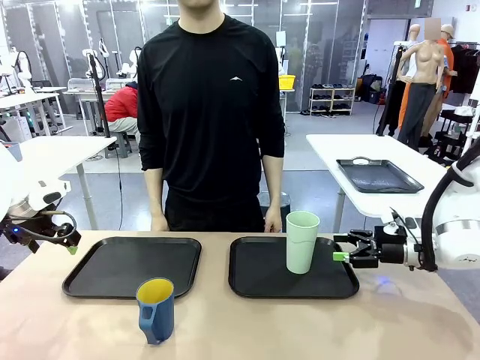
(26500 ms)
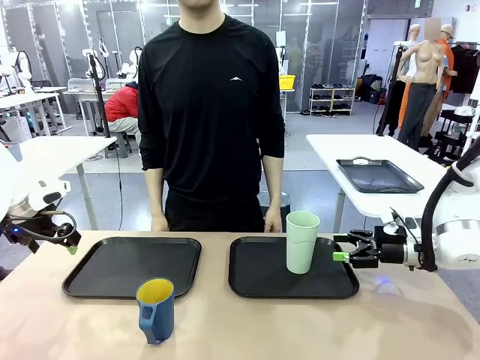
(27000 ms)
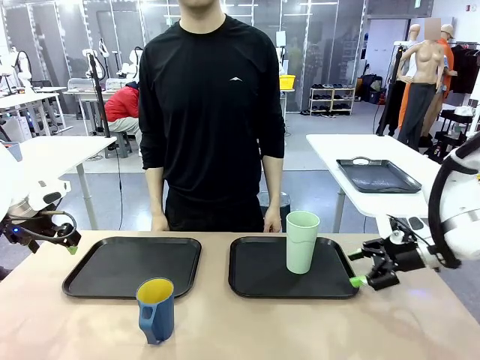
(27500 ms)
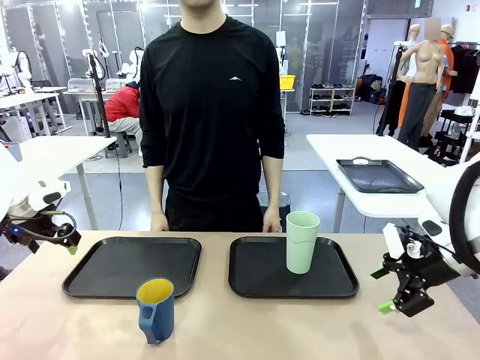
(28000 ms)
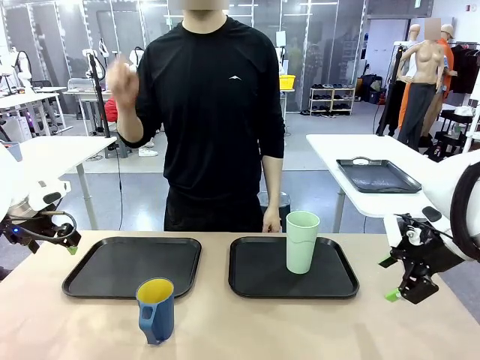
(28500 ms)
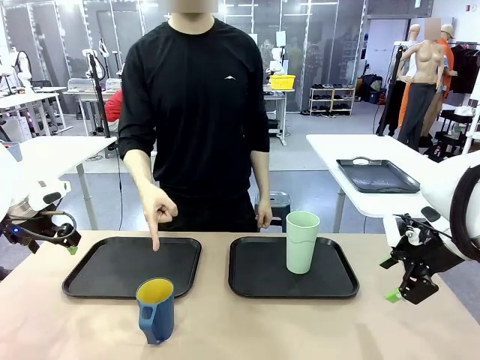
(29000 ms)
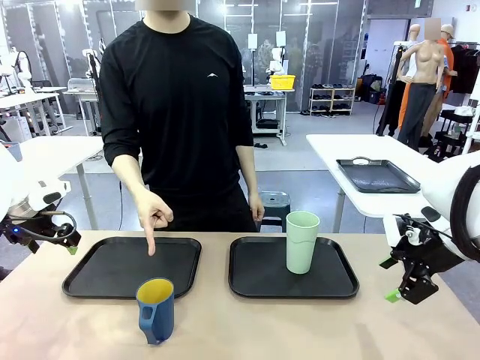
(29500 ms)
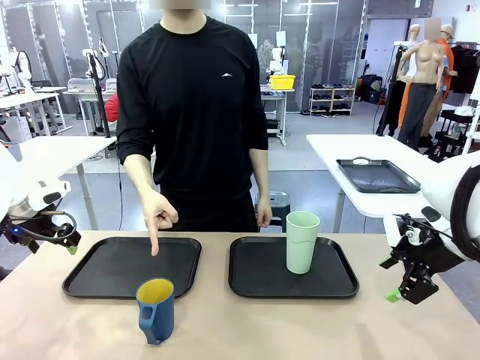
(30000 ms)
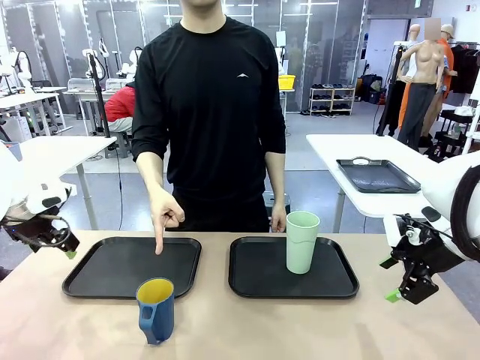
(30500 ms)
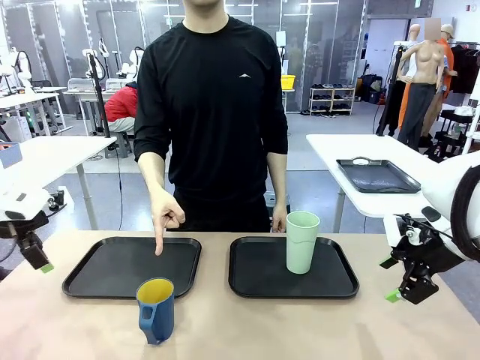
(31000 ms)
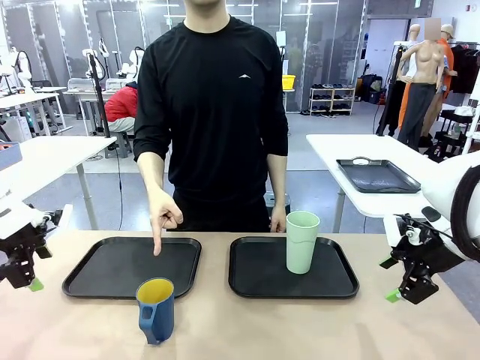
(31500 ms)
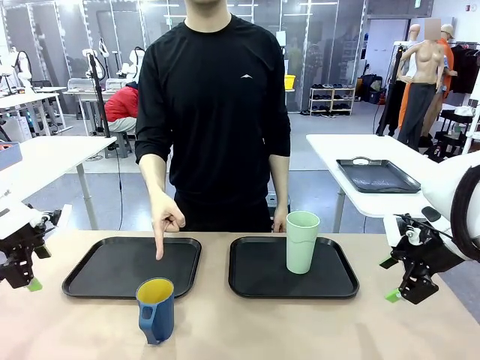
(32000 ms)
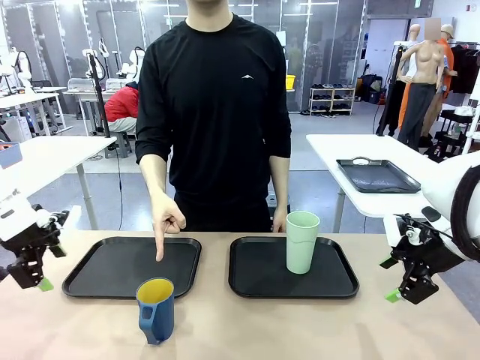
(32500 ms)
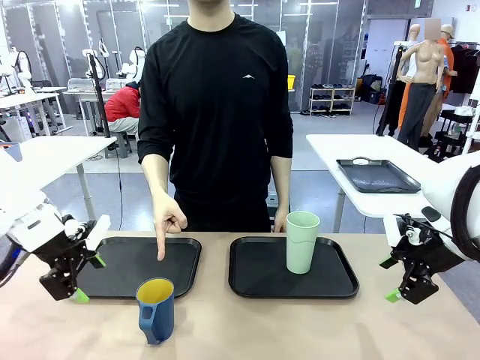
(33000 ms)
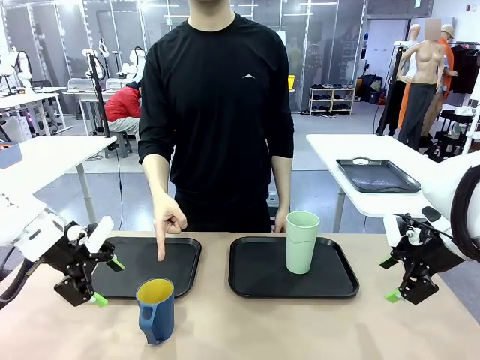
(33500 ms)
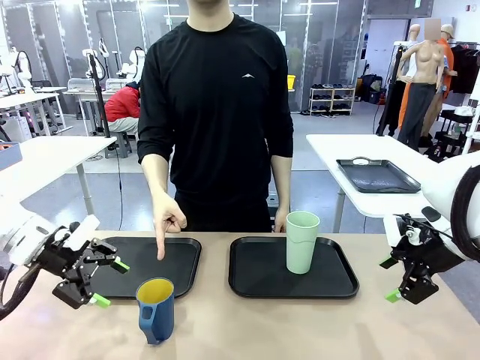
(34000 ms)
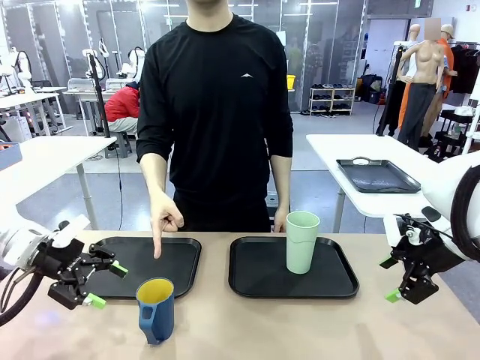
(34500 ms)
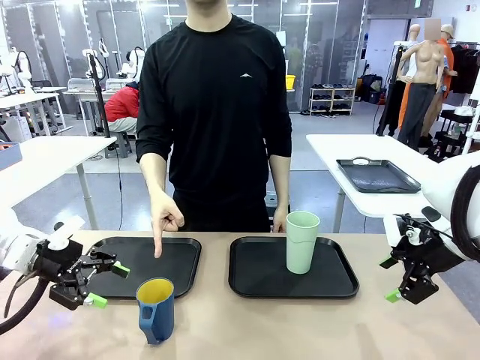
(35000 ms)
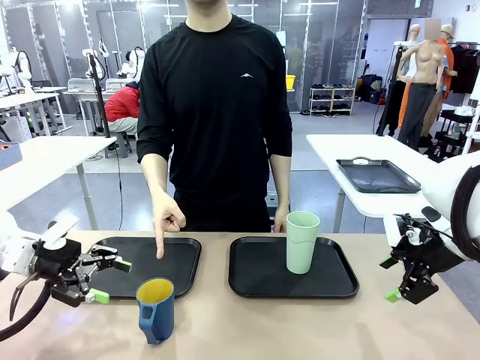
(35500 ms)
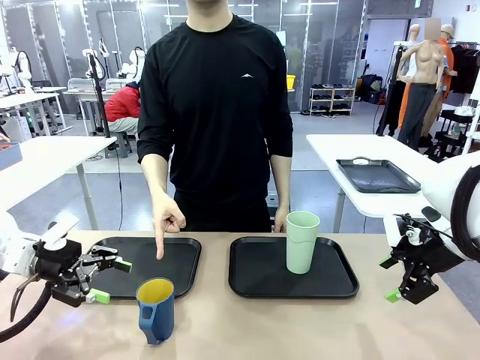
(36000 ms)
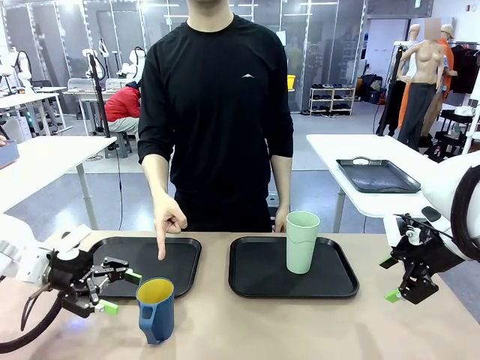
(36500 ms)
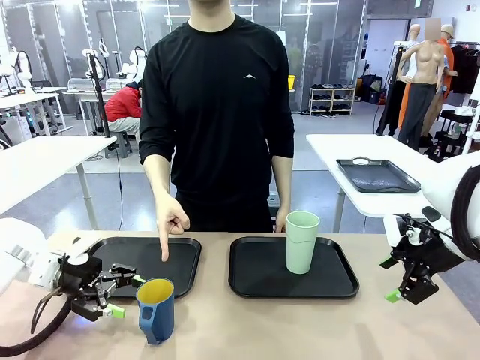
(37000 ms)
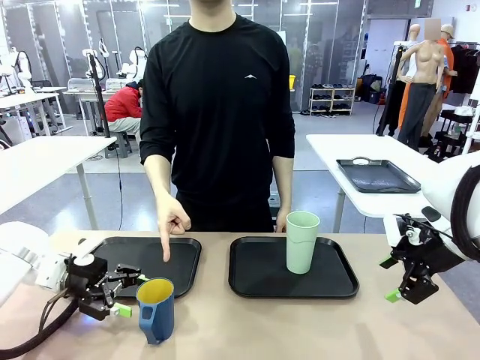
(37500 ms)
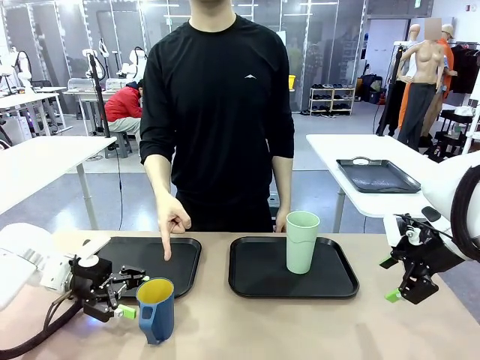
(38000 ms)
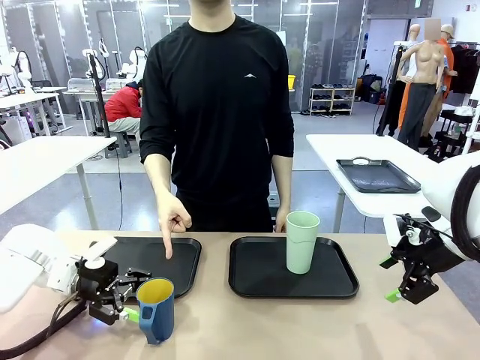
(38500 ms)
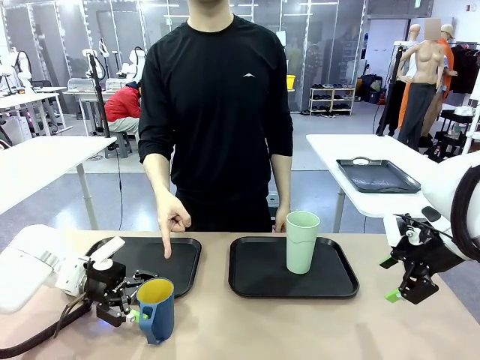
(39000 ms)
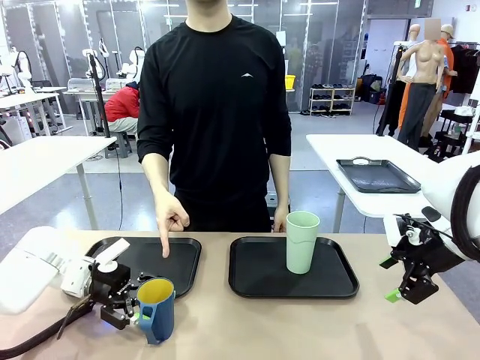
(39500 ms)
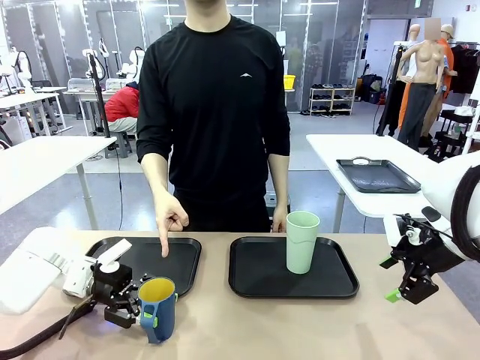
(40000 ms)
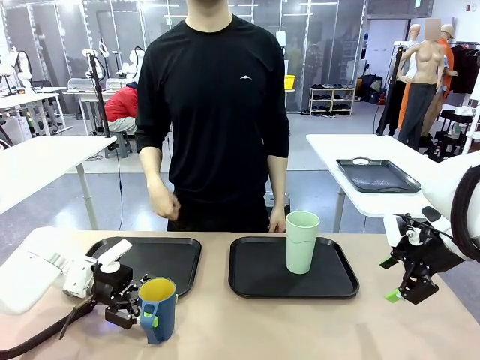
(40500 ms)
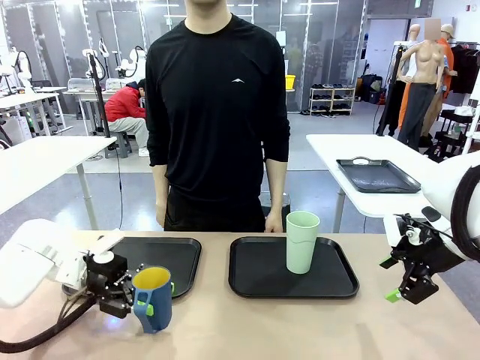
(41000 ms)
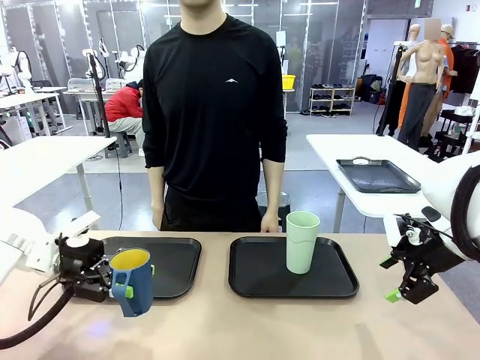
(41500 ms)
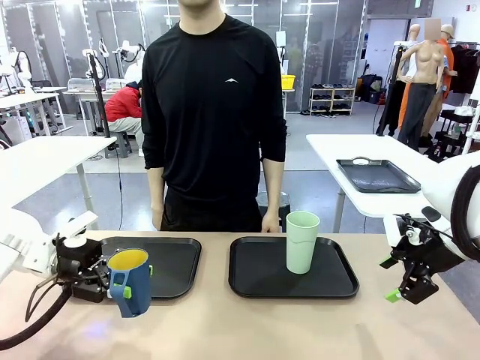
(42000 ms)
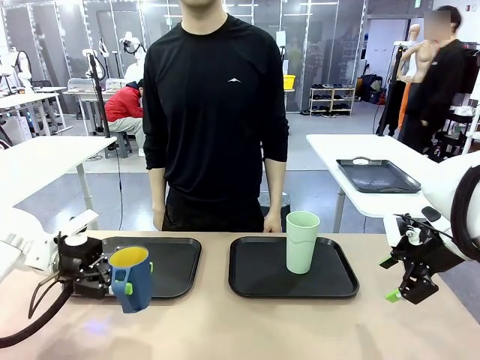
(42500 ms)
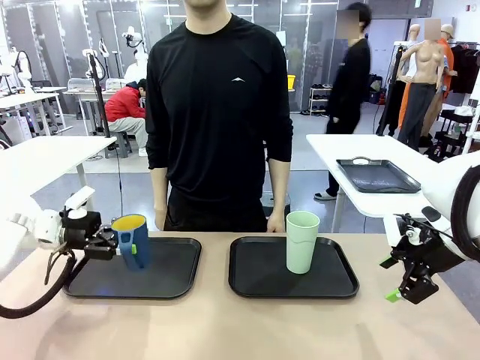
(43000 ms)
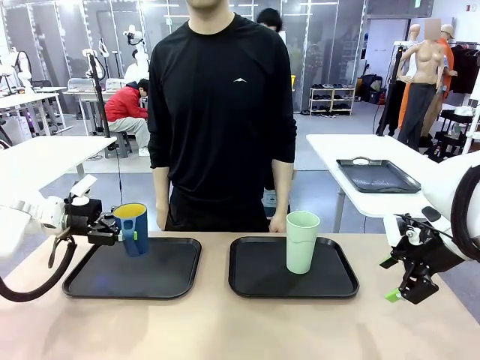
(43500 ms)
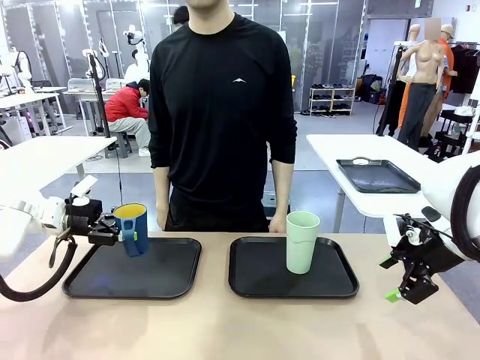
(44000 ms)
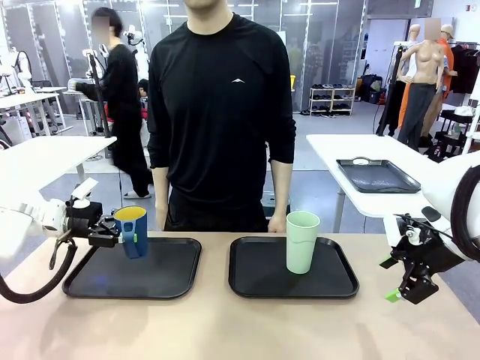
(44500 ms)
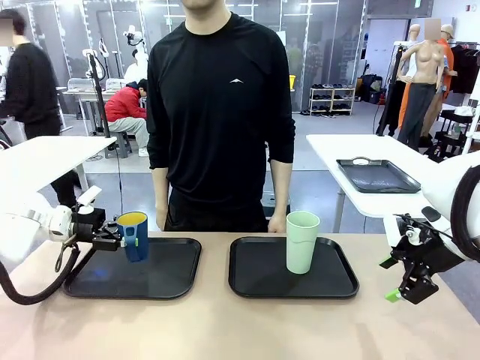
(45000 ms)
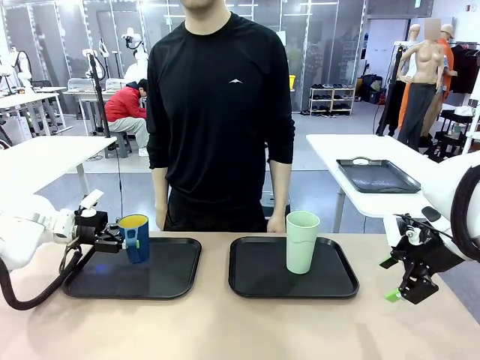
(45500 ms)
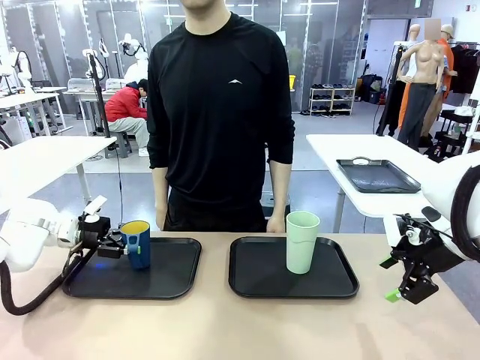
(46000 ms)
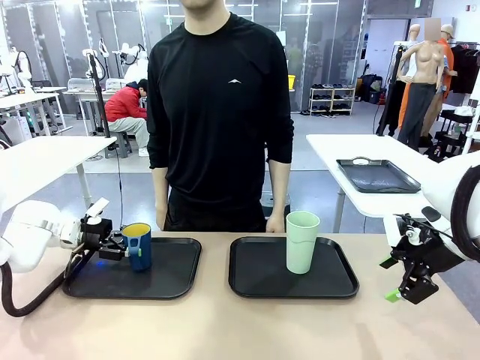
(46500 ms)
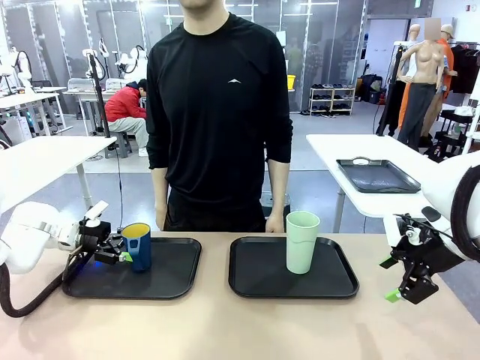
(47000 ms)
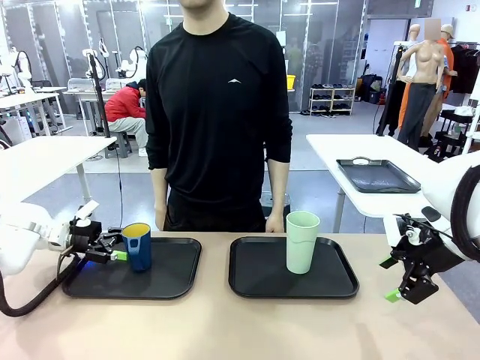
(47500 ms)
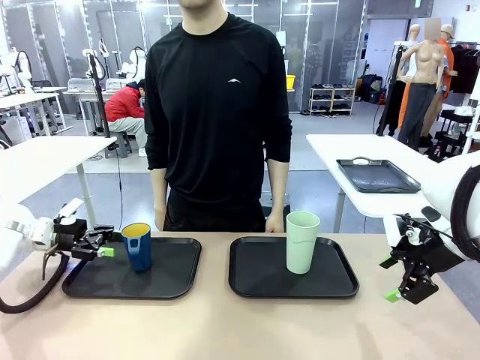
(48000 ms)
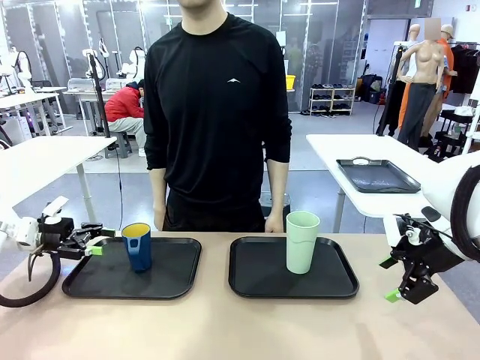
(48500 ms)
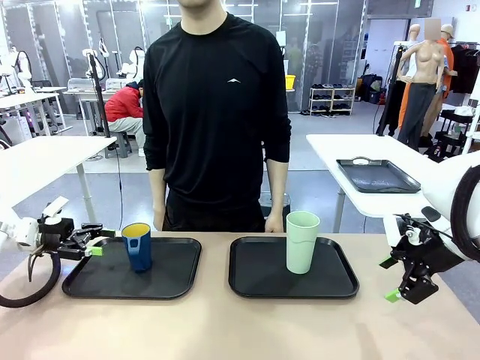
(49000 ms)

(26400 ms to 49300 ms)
Task: Sort and store the cups by type.
Robot: Pick up the Handle plastic cup and place it into the empty Flat Tray.
Person: Points to the cup with a handle.

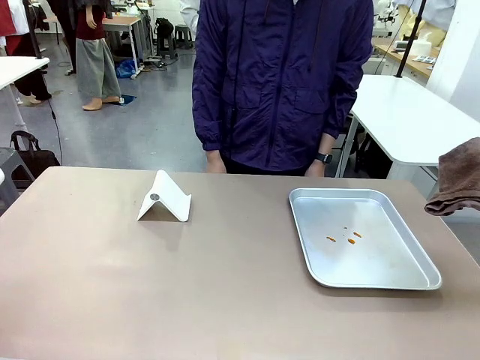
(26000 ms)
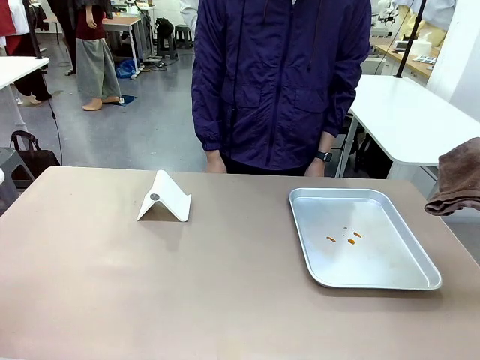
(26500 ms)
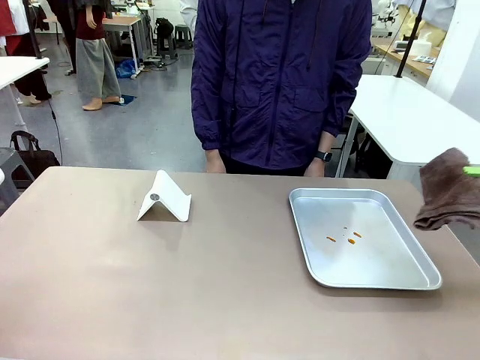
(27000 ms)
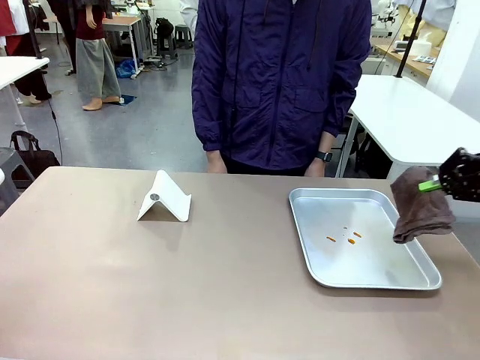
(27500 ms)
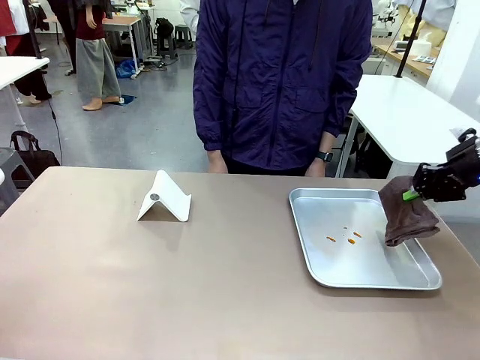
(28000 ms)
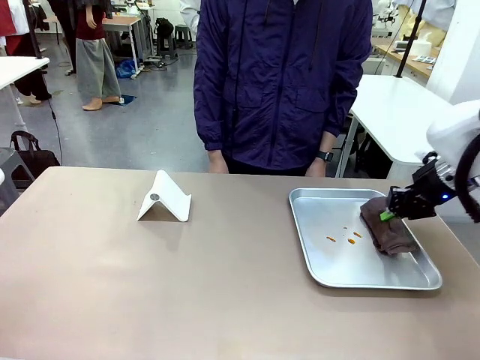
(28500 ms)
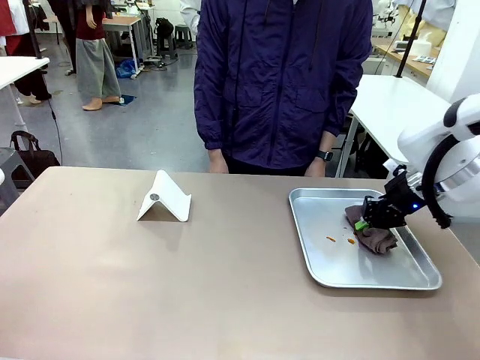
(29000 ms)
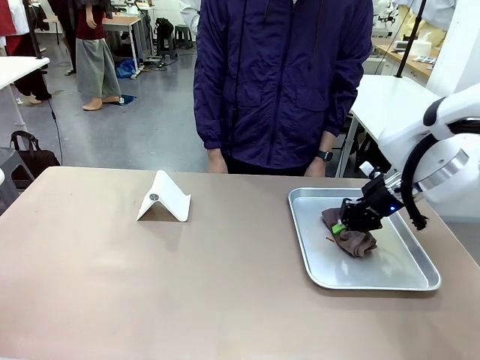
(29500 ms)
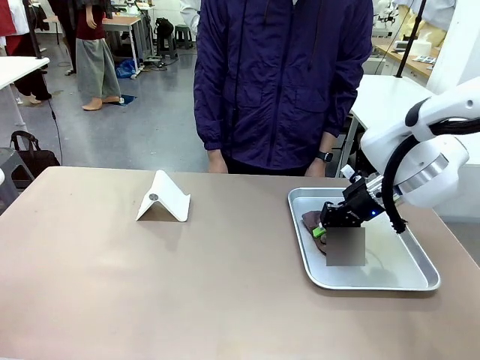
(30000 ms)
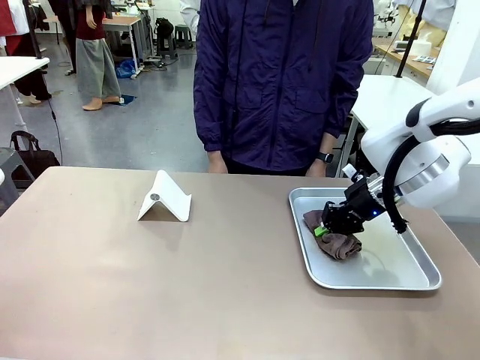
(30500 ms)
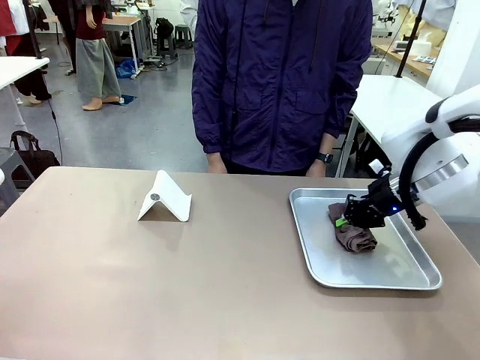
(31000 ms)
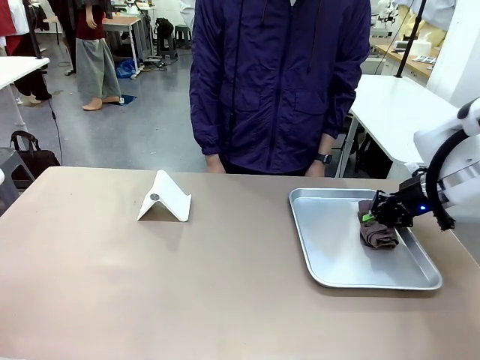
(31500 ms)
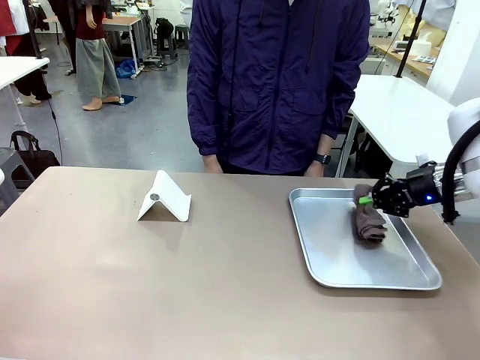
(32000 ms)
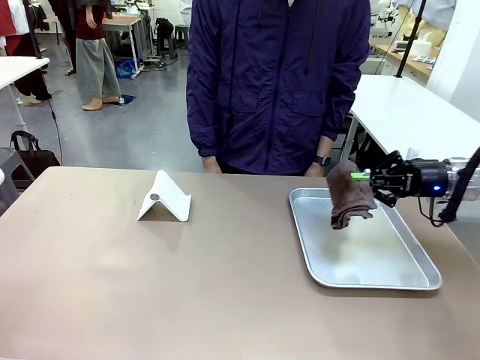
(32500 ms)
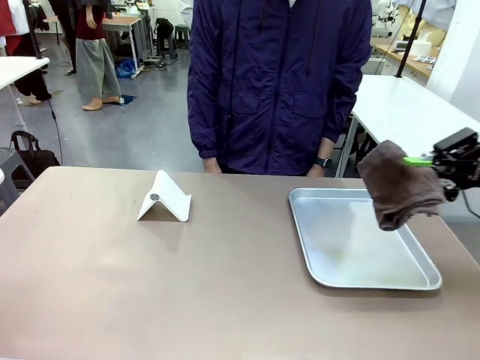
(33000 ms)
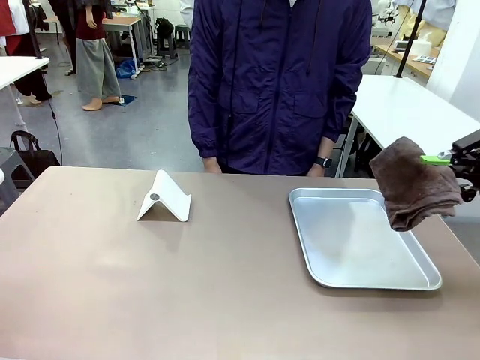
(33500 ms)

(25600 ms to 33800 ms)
Task: Clean the surface of the table.
Robot: Clean the area not pointed to by the person.
